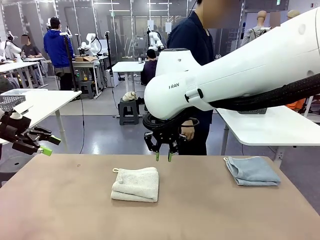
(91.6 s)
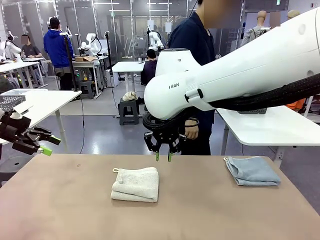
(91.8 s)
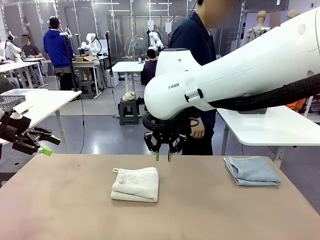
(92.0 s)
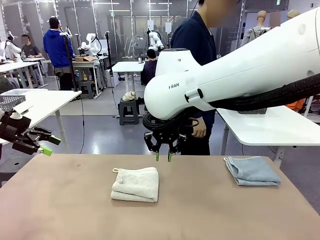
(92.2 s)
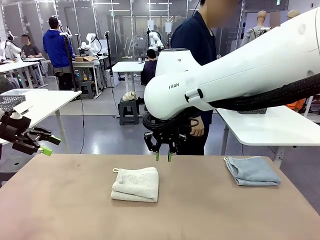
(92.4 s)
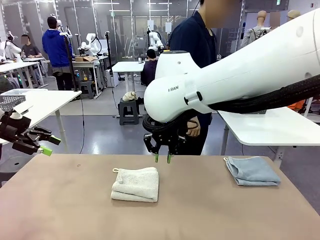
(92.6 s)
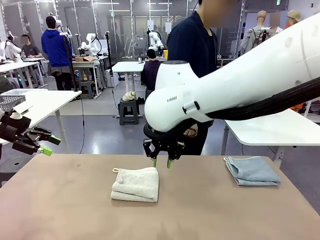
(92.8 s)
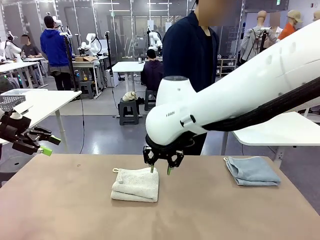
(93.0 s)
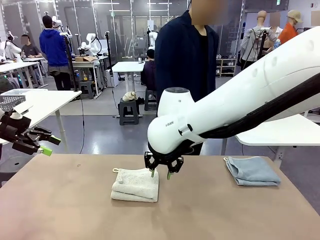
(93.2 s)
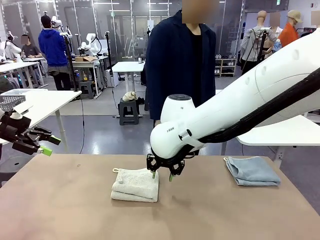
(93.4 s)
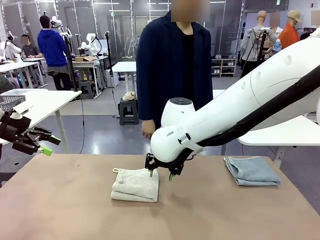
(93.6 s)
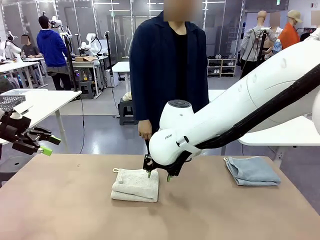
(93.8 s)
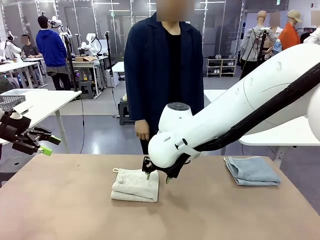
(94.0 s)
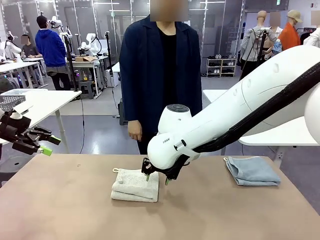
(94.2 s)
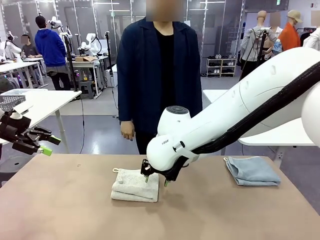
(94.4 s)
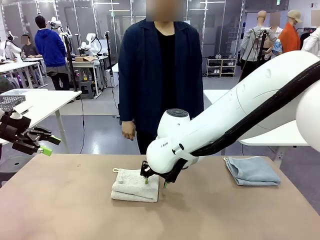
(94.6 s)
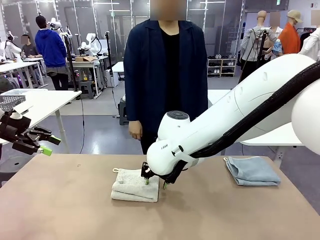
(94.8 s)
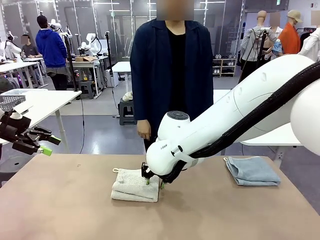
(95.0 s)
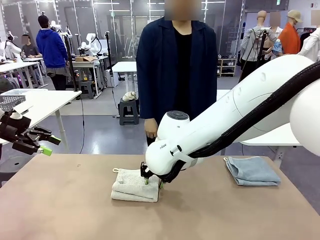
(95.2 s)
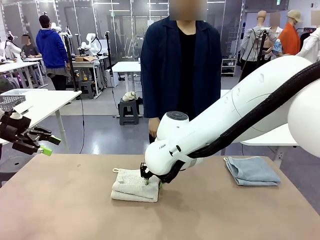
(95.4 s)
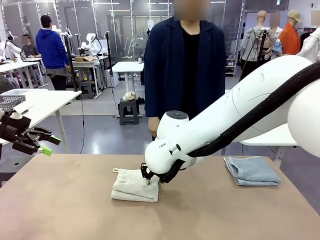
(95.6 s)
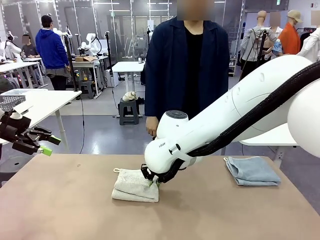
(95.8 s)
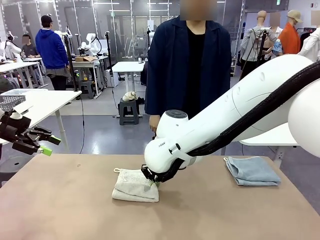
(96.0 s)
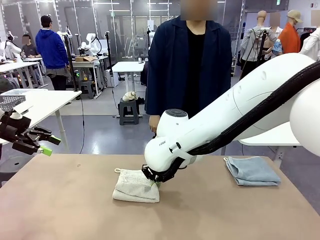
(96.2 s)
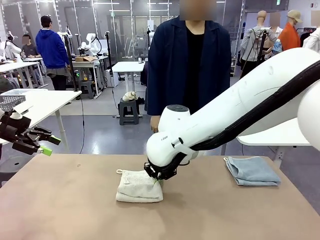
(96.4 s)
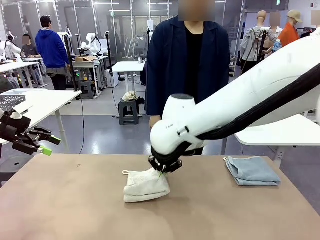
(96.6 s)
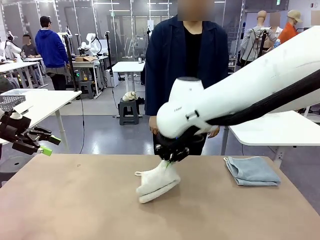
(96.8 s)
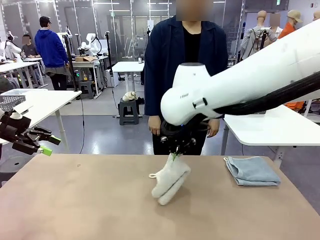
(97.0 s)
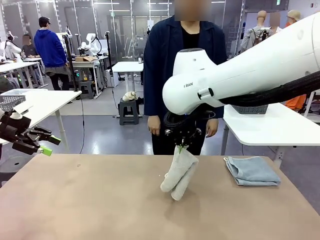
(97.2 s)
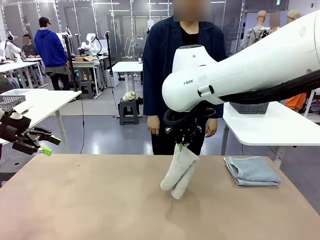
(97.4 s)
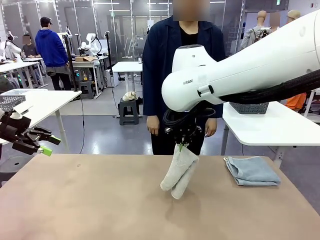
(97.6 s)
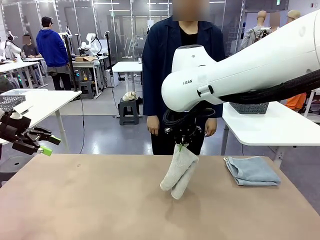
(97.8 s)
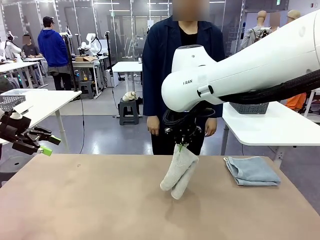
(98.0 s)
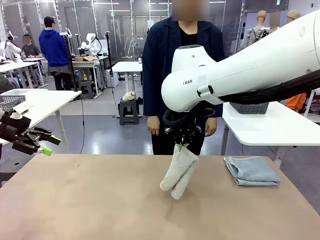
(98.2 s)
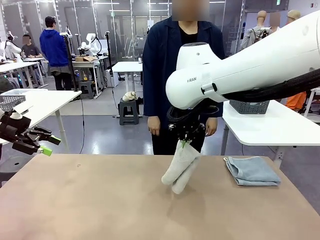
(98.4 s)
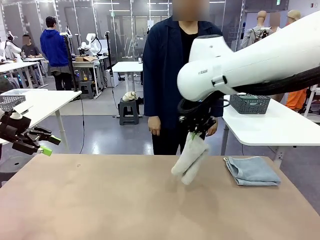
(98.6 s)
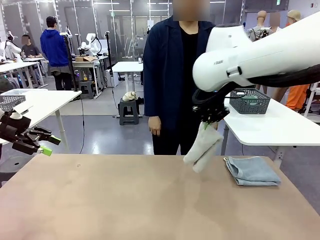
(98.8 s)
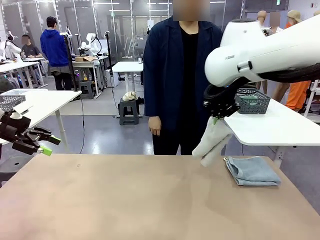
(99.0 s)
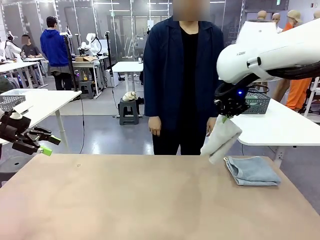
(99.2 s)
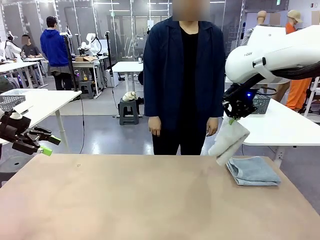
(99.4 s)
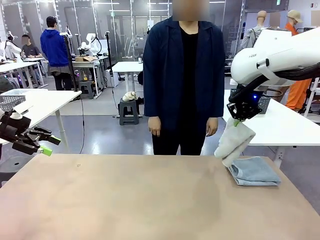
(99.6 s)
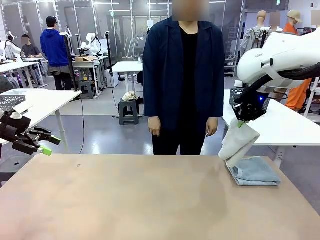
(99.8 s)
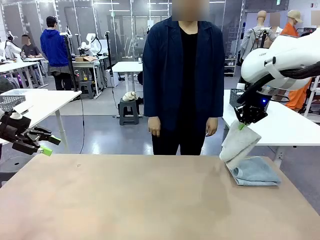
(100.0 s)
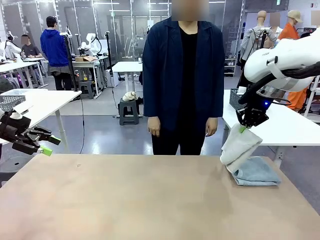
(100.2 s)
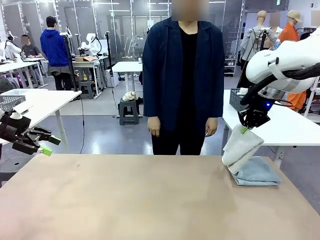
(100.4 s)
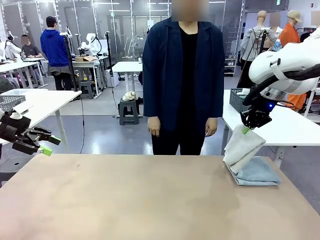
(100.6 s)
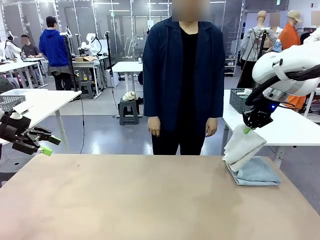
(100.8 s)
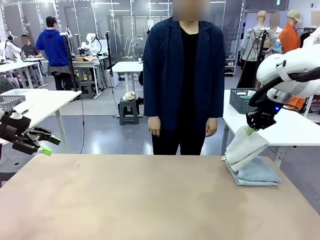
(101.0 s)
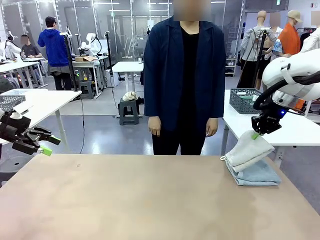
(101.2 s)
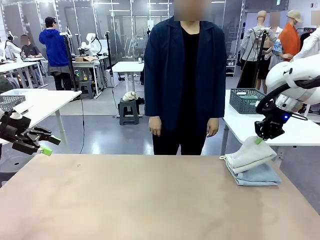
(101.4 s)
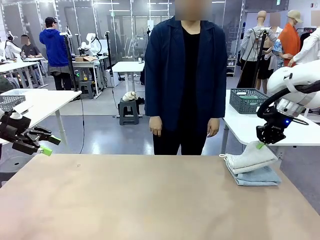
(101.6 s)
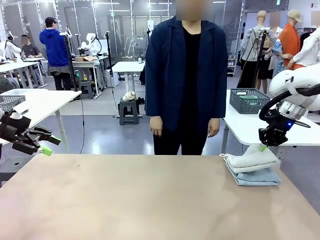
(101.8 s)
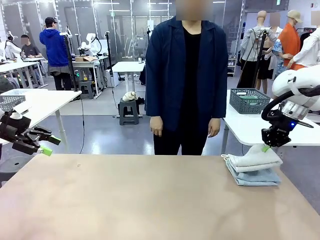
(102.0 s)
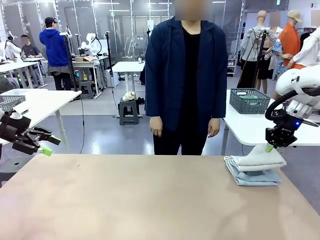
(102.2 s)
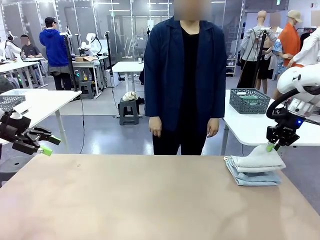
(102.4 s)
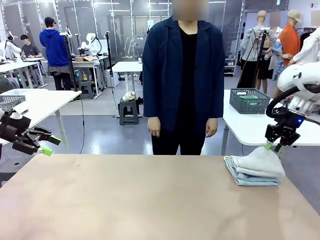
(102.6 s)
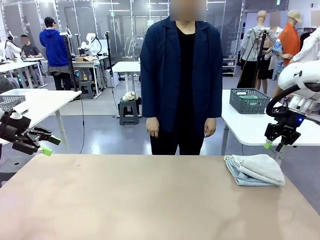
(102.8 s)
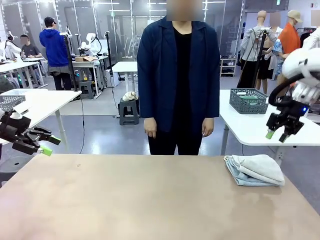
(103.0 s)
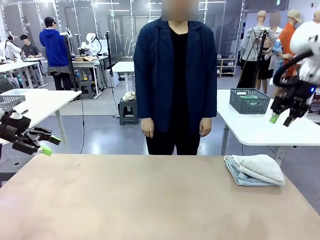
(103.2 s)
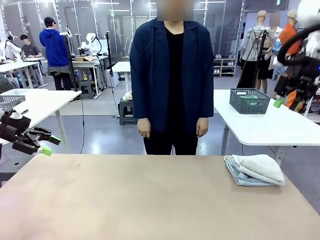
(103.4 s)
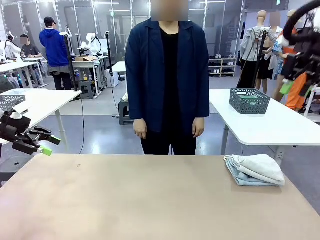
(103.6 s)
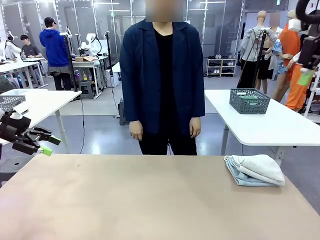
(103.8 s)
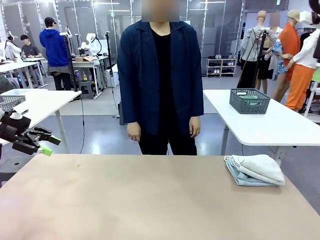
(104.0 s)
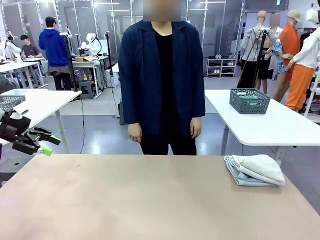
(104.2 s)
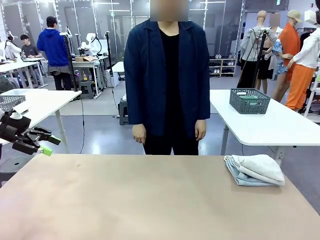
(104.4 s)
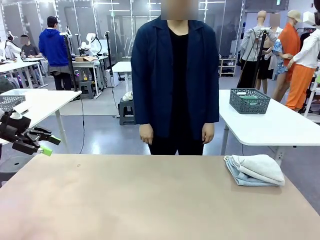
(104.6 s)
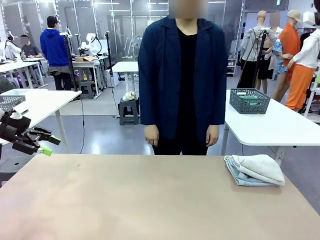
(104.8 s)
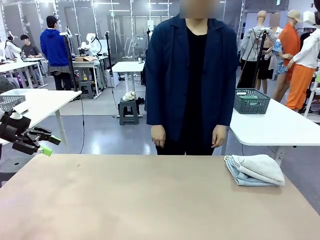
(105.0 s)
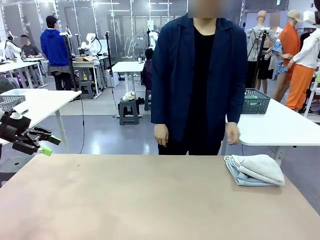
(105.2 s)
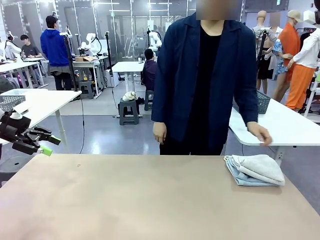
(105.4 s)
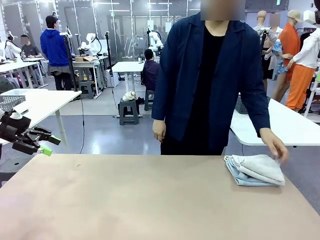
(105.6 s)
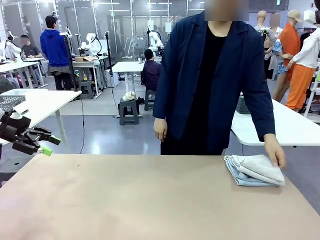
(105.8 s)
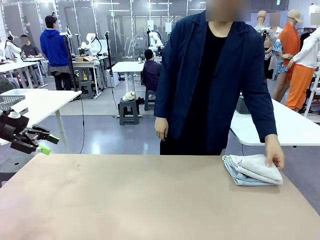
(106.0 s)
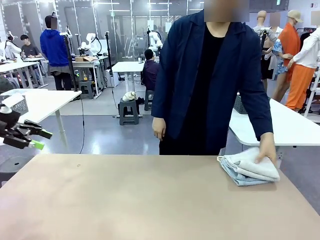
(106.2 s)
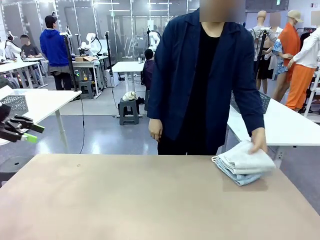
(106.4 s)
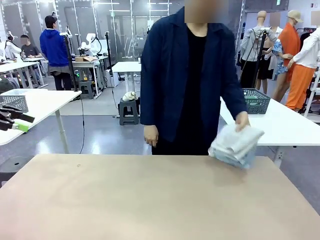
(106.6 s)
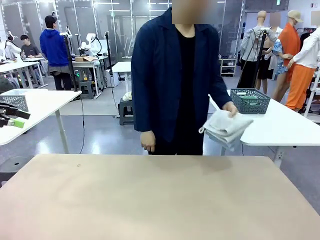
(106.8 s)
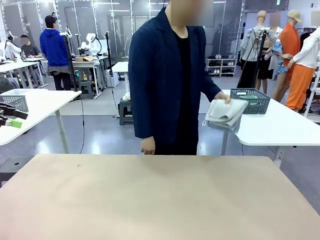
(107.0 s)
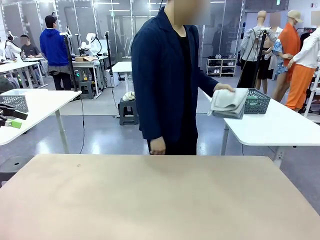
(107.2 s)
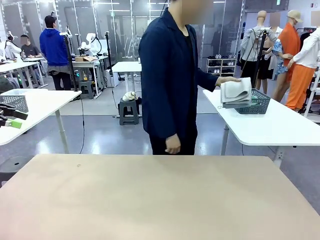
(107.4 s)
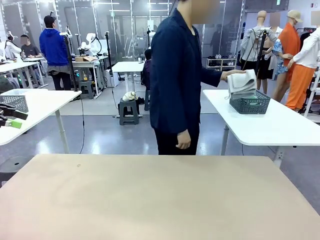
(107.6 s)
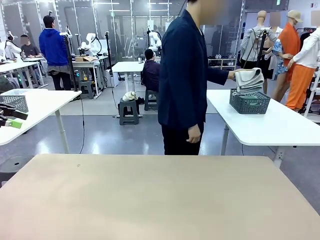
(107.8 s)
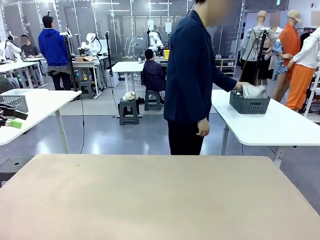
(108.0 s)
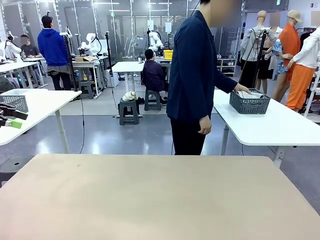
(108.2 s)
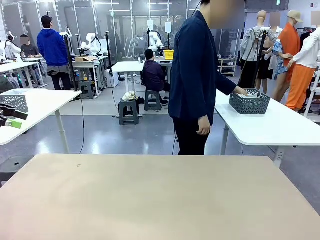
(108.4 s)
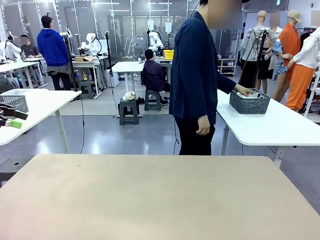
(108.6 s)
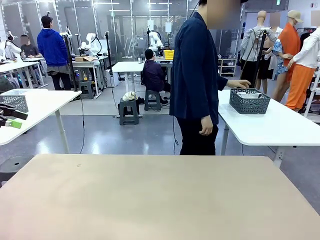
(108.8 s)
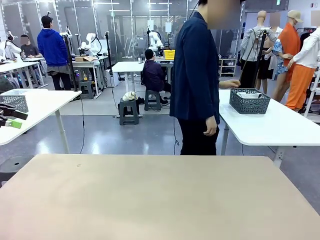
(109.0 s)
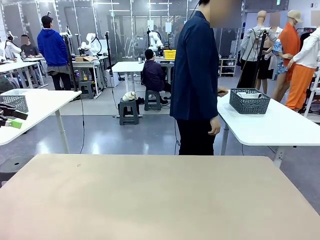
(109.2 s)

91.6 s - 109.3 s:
Task: Fold the towels and place them in the basket.
Robot: Stack the folded Towel with hook on the right side of the table.
Person: Pick up the stack of towels from the robot table and place it into the basket.
